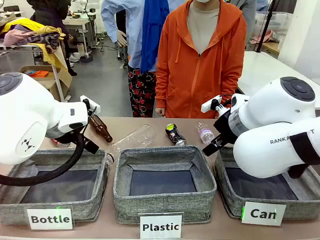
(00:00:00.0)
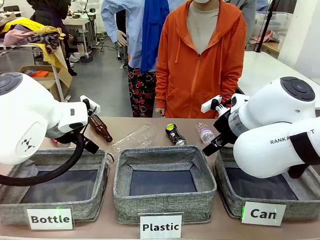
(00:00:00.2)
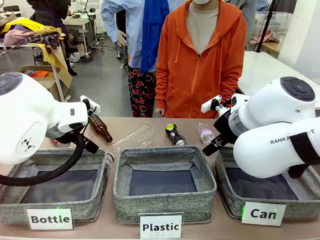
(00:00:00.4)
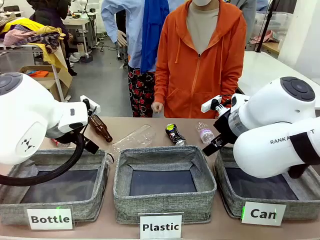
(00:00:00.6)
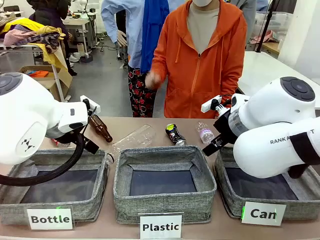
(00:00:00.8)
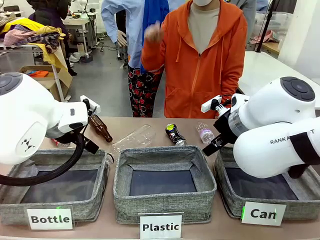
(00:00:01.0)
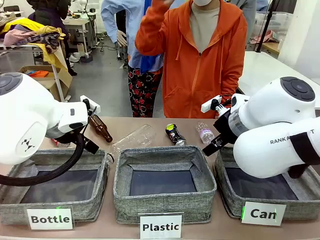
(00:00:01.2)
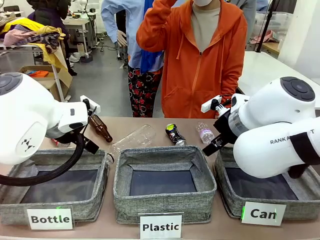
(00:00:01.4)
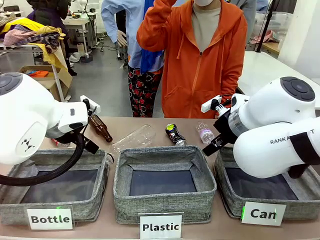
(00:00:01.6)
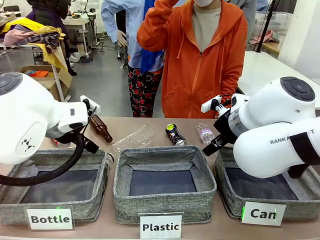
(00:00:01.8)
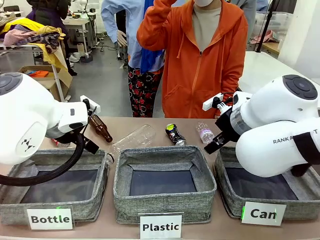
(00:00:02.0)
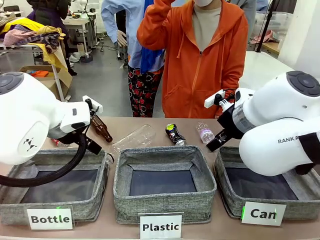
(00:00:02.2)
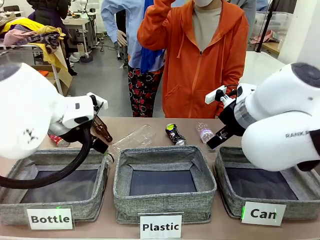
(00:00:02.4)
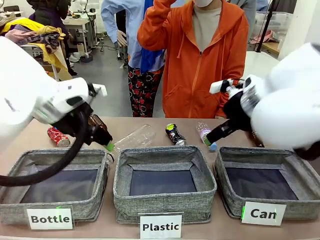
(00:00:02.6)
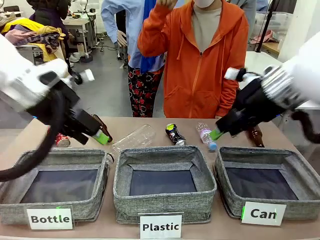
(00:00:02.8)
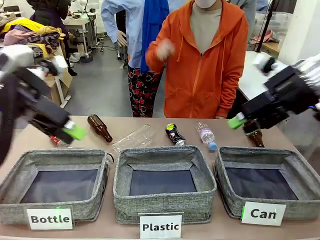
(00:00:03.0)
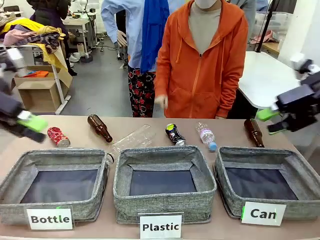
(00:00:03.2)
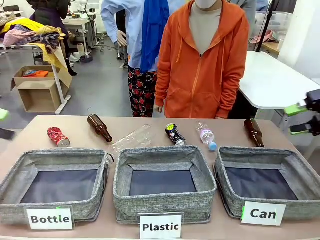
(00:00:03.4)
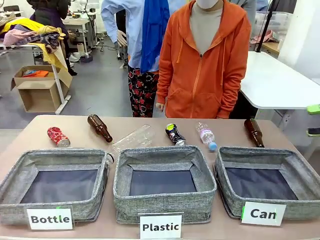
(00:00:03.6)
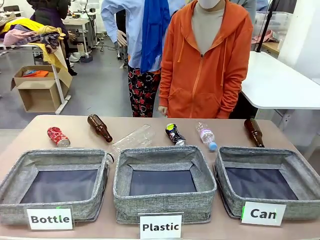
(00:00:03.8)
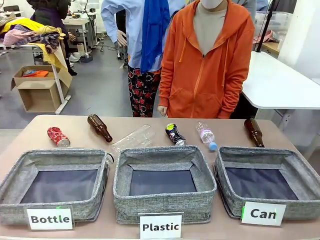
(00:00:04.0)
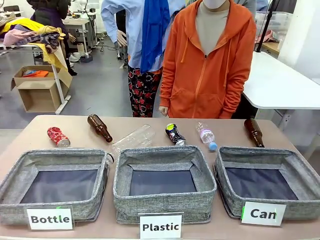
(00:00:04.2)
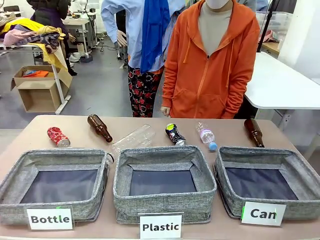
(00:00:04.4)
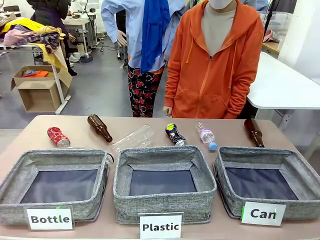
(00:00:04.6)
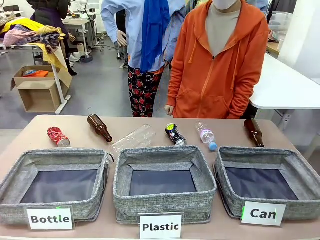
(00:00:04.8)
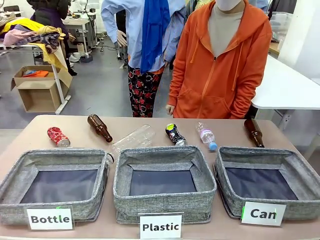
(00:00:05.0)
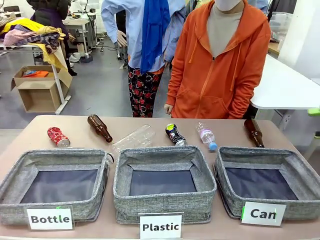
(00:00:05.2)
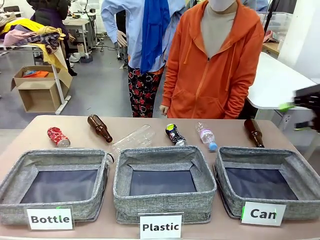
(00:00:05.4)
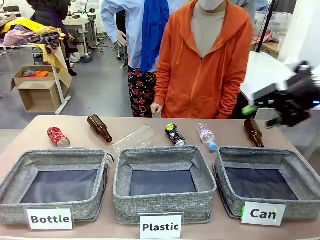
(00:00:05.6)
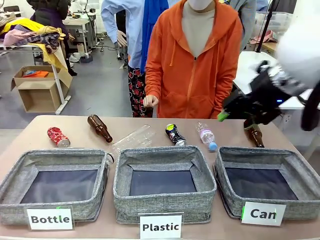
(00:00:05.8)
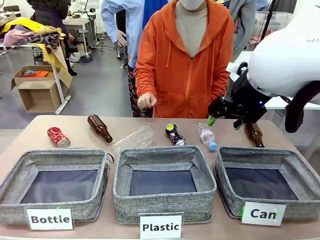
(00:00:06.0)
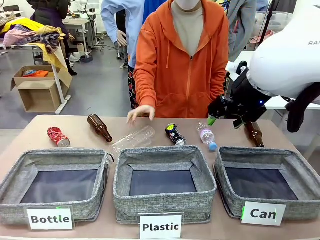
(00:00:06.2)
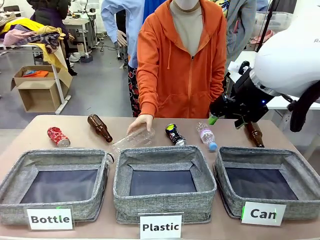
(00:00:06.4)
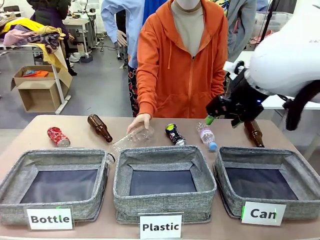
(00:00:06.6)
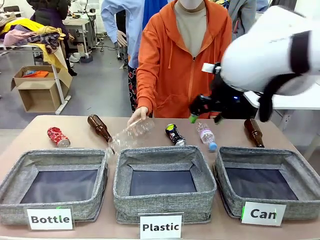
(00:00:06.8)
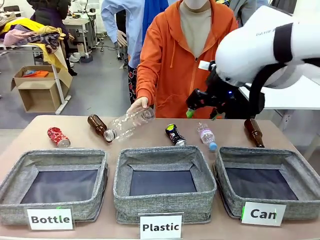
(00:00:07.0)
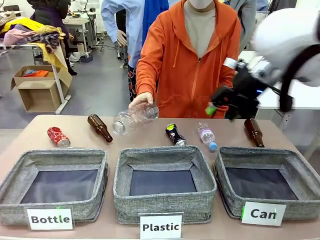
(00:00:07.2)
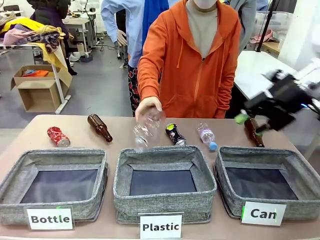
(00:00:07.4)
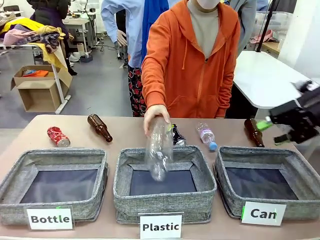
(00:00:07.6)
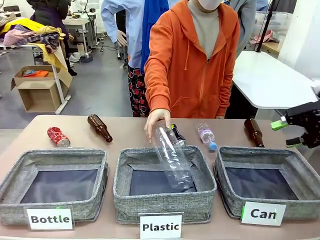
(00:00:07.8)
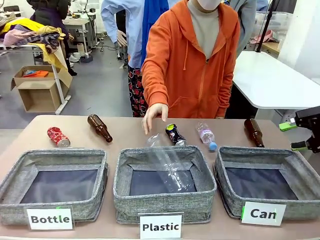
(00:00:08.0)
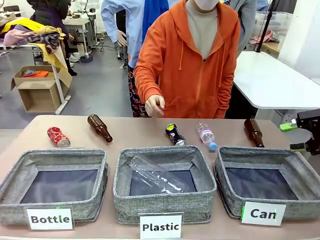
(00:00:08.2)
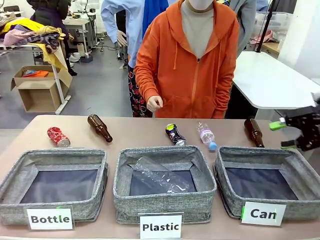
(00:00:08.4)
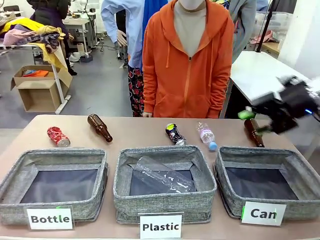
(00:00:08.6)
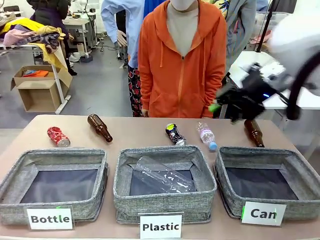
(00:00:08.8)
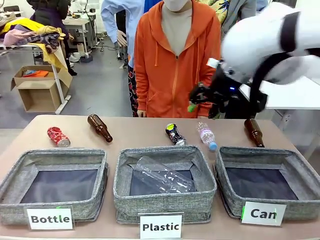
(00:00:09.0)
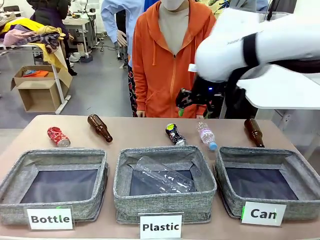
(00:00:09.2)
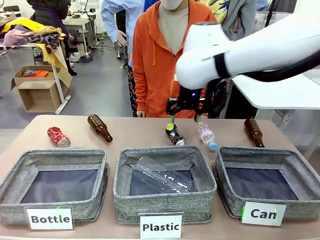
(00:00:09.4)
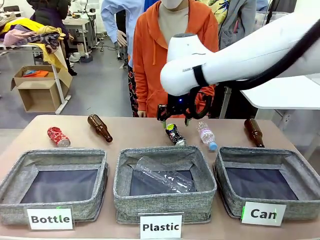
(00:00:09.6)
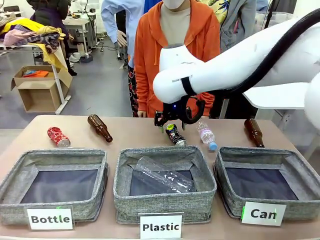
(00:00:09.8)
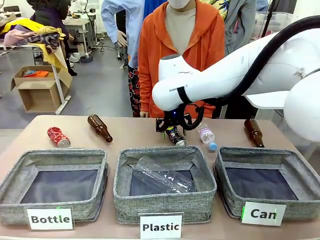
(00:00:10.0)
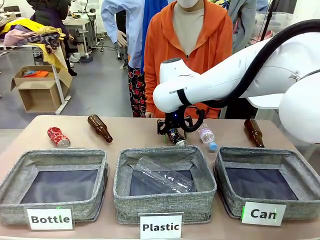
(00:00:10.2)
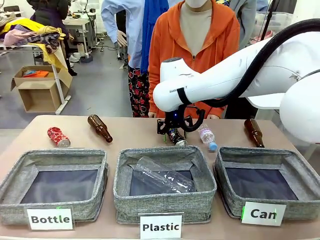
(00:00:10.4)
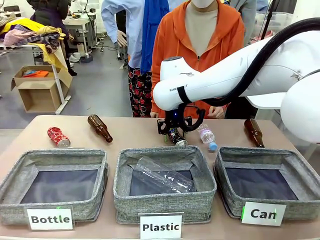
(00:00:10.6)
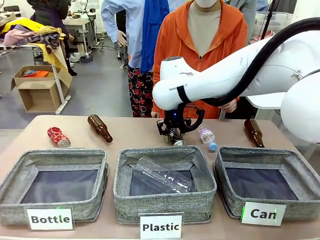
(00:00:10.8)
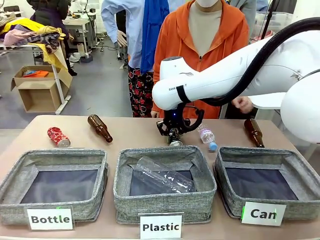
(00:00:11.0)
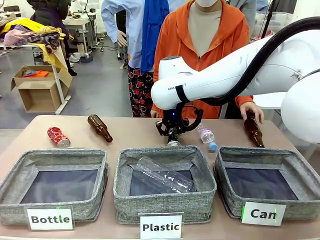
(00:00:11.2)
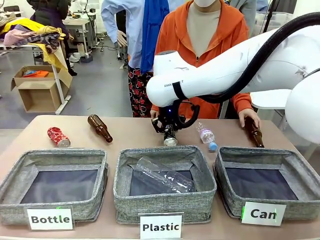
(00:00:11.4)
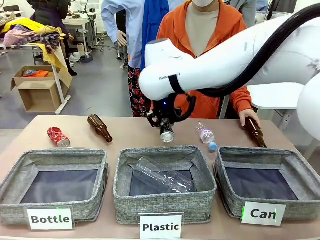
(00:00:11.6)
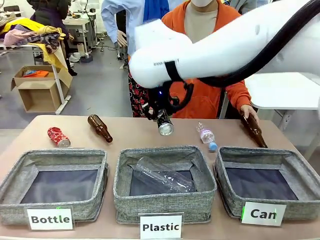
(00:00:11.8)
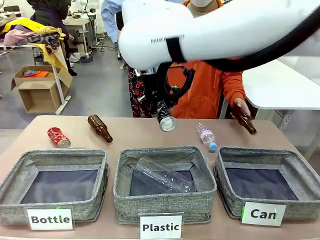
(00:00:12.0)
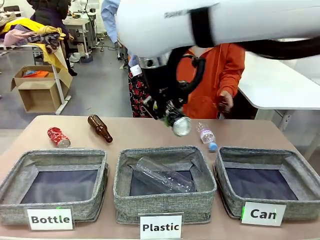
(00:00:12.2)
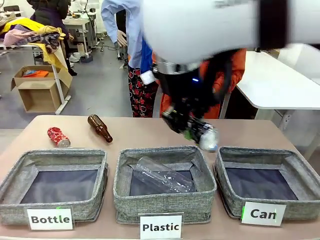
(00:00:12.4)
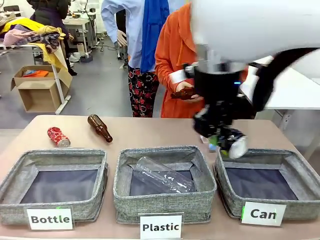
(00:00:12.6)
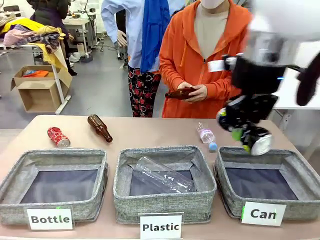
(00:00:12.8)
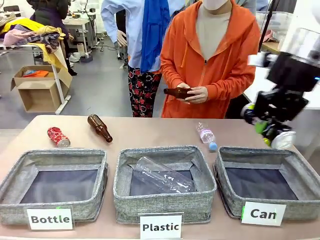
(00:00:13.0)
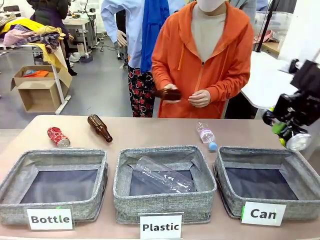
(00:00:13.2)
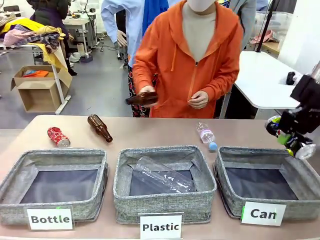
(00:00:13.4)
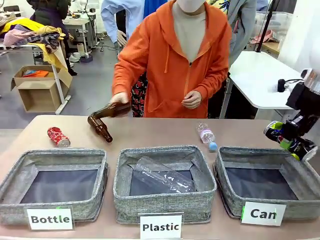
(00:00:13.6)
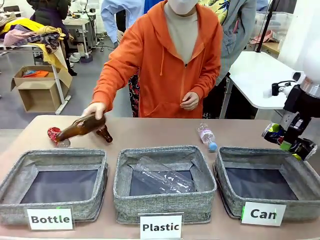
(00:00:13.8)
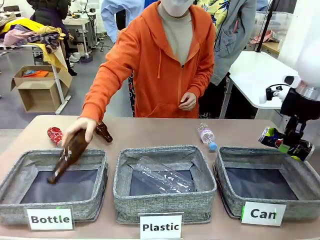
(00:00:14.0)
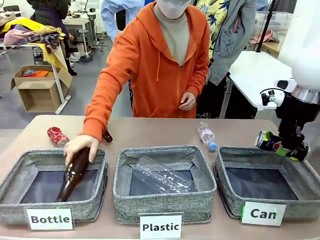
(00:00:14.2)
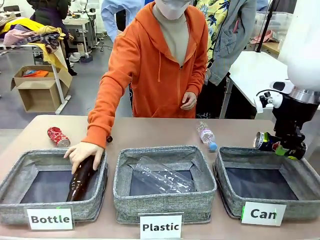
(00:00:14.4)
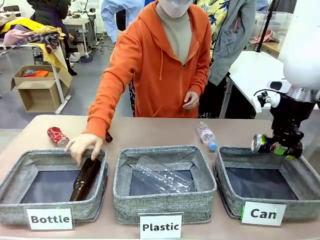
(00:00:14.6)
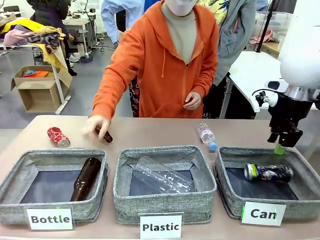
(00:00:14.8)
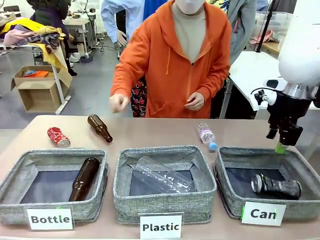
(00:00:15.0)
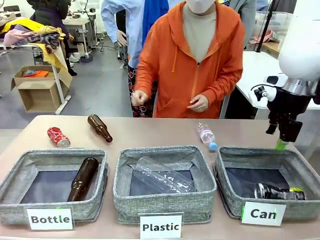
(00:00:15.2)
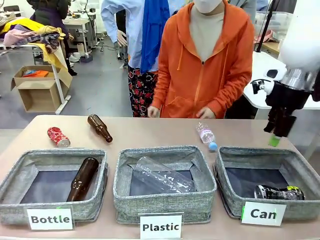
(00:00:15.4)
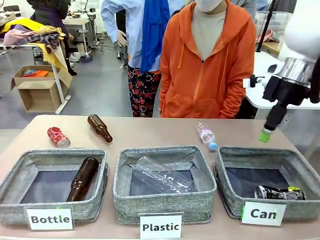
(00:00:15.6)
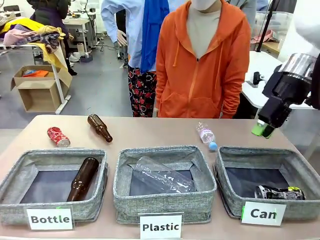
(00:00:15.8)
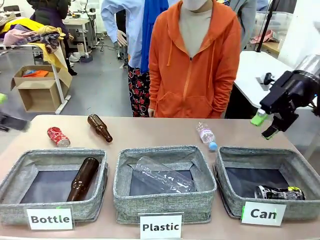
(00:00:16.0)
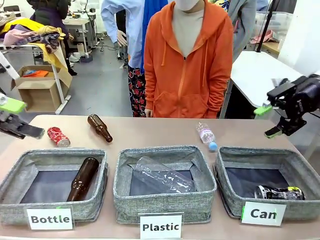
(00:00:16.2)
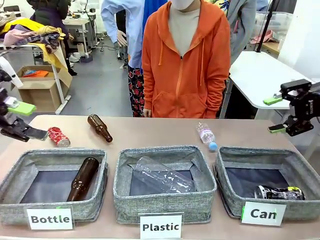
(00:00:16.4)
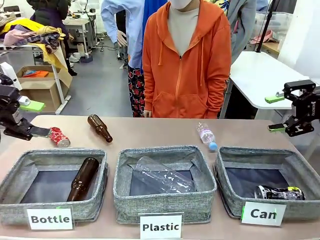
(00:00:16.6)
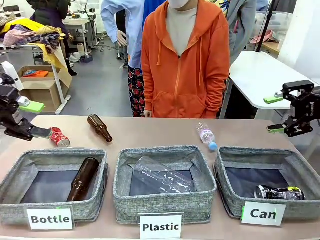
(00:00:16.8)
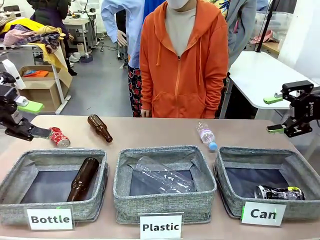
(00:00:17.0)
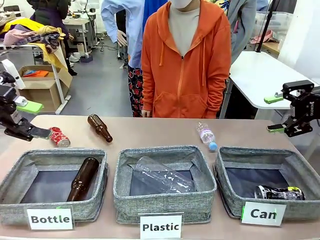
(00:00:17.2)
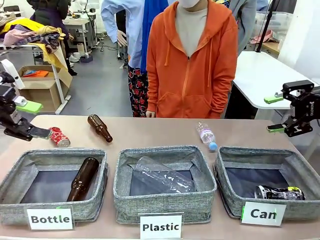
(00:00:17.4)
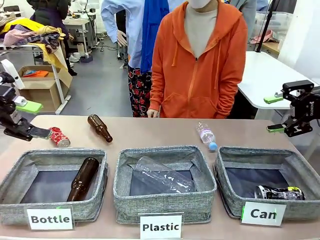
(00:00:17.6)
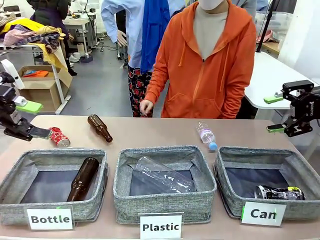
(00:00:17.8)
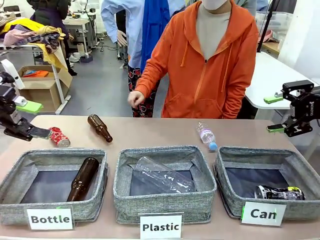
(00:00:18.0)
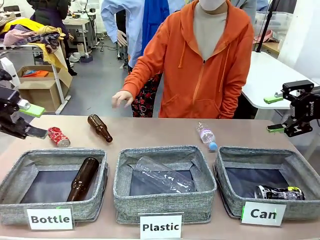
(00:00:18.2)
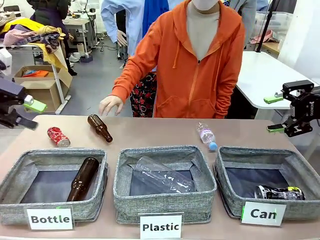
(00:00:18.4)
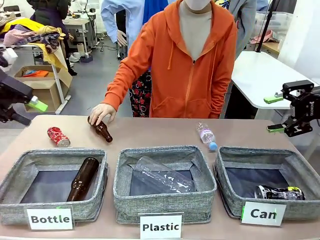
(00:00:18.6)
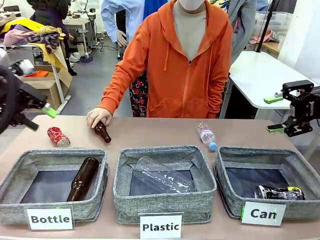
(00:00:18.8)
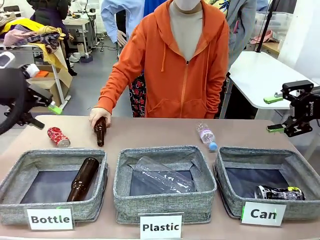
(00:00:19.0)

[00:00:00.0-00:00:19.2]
Task: Sort the can waste into the basket.
Robot: Pick up the can waste from the table and place it in the right Fabric basket.
